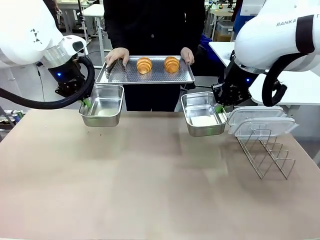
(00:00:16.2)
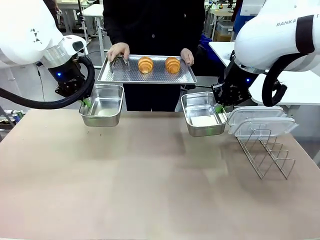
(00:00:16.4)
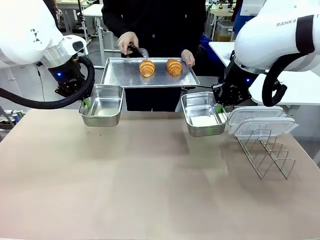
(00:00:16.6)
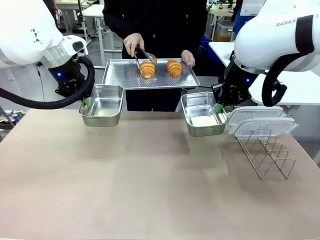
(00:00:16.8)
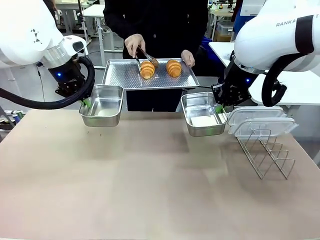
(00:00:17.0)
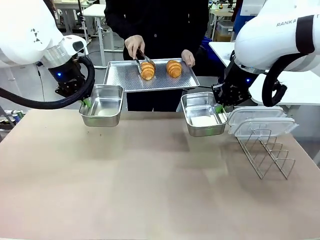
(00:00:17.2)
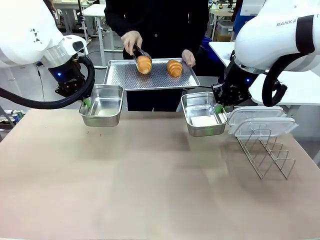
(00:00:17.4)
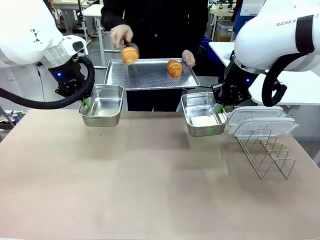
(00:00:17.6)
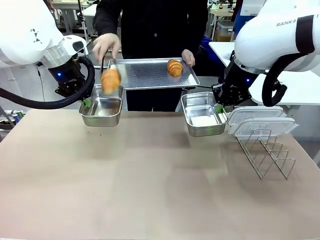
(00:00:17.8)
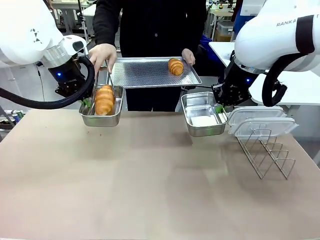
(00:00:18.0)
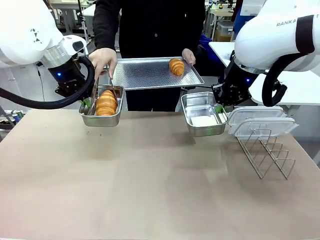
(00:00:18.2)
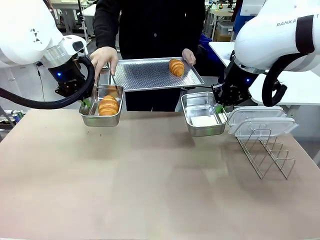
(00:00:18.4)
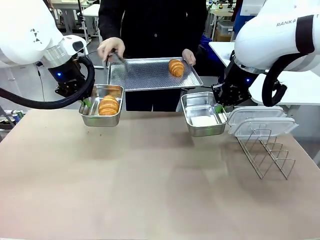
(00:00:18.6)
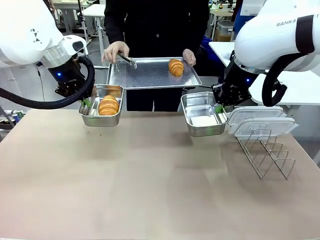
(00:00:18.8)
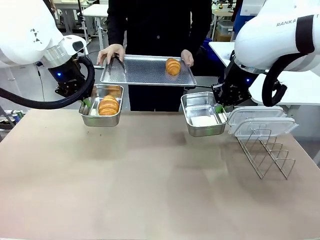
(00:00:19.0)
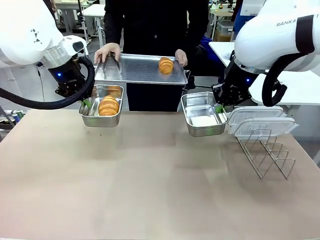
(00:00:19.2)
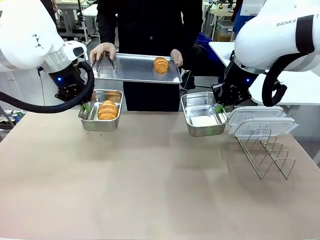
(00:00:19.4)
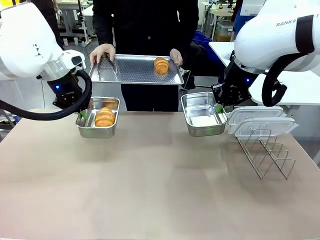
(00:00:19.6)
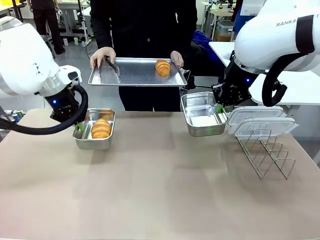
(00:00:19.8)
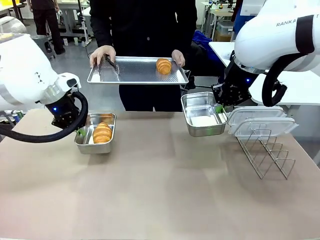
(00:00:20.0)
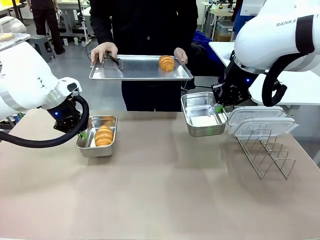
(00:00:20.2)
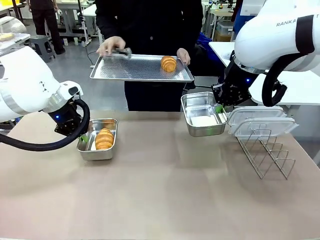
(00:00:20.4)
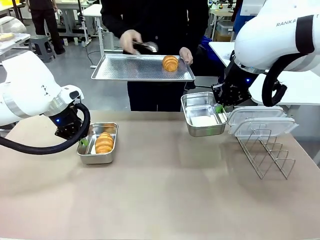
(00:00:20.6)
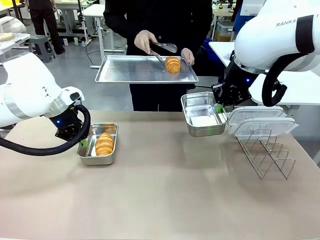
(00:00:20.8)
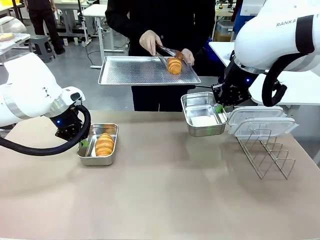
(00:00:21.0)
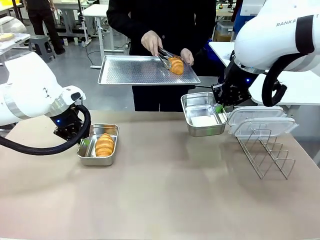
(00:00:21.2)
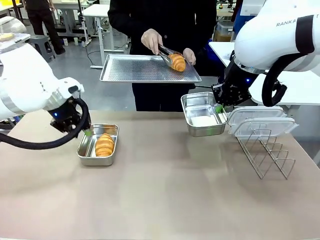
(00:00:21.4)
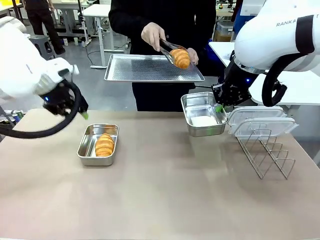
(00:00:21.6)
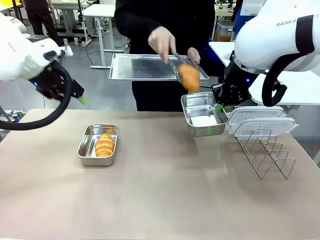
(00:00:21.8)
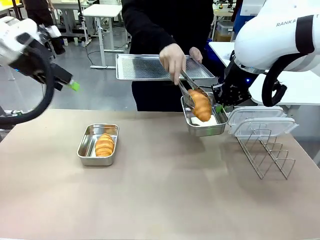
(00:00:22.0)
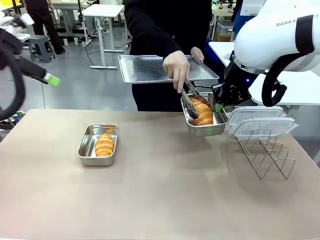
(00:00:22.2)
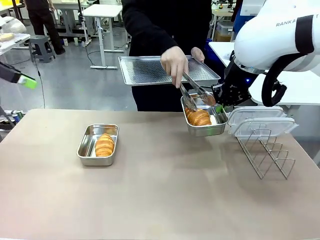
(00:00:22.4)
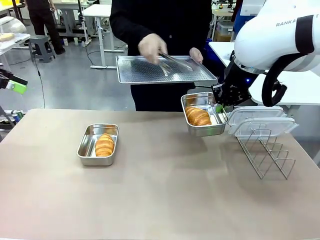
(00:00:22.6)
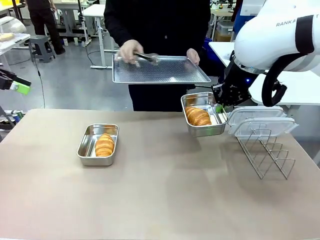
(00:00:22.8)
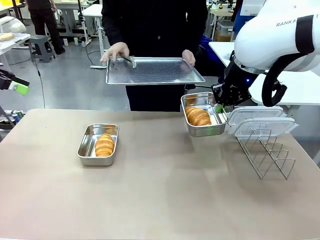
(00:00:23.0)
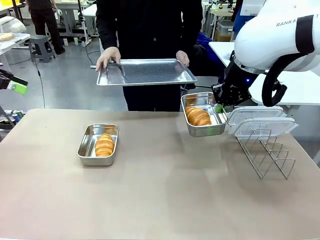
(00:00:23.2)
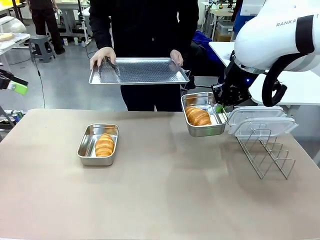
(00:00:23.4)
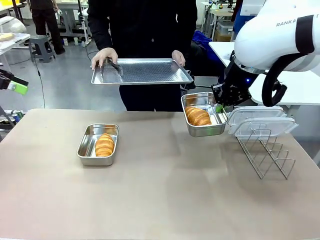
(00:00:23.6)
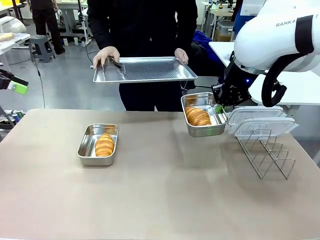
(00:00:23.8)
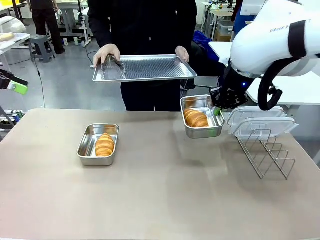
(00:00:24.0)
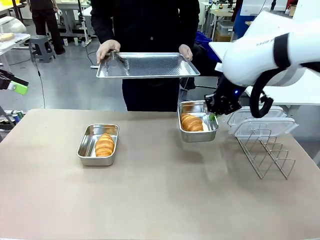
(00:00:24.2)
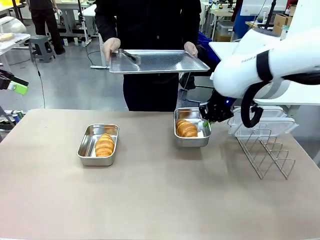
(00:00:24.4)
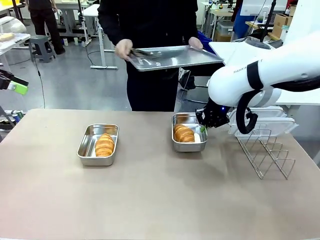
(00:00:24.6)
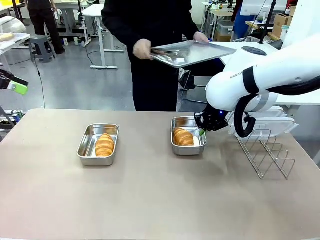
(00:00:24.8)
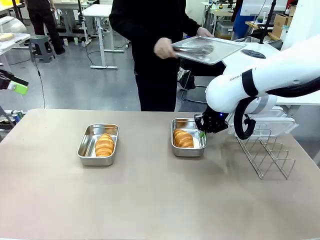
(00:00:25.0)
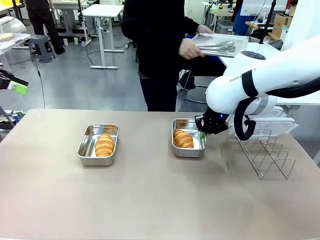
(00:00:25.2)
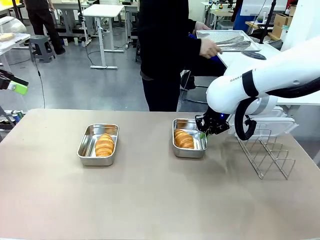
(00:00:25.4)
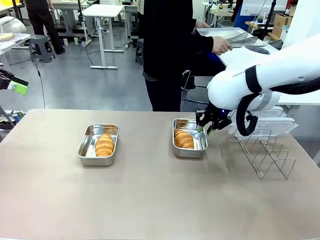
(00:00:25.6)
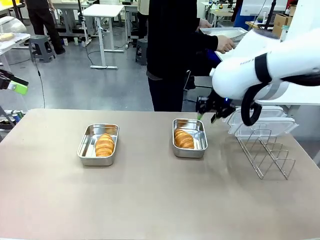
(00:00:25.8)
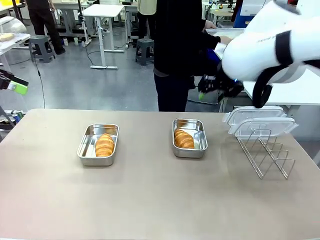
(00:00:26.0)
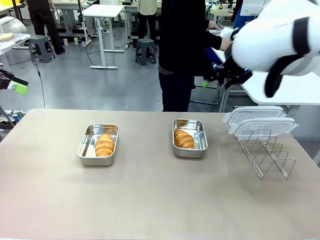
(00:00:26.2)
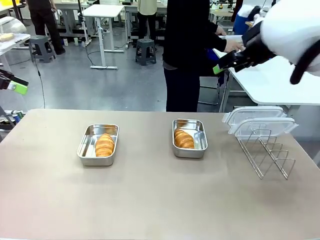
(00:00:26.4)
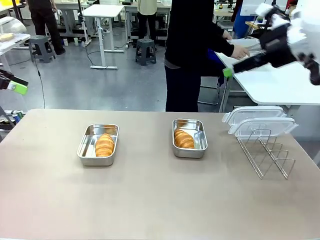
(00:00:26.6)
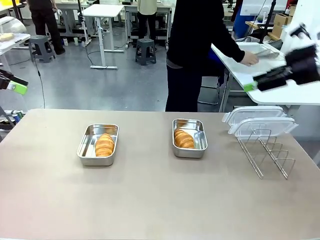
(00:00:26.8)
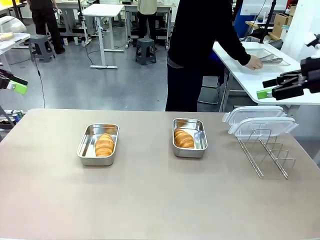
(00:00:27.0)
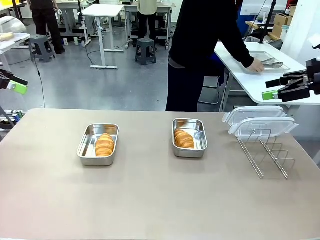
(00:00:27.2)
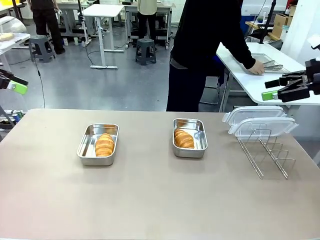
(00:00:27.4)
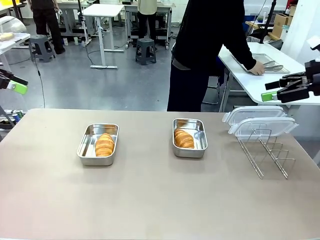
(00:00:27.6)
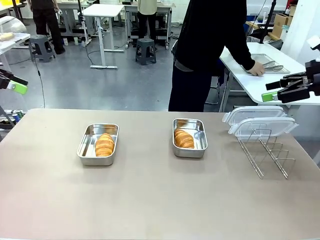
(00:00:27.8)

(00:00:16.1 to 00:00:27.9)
Task: Place the bread in airtight containers.
Robot: Once an object is inside an Airtight Container , place the container in the center of the table.
Person: Use the Stainless steel tongs to place one object from Baking Sheet into one Airtight Container. Place Baking Sheet on the Human's Table.

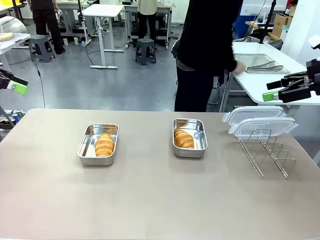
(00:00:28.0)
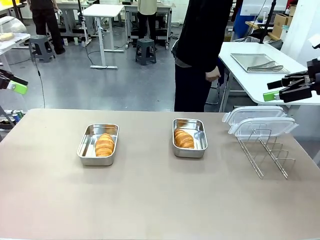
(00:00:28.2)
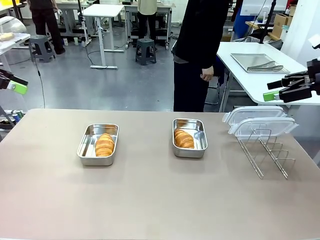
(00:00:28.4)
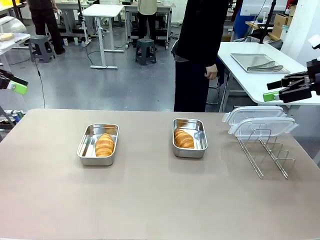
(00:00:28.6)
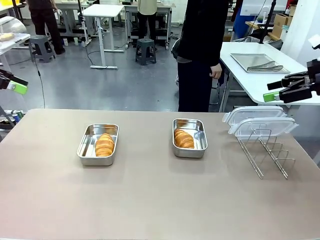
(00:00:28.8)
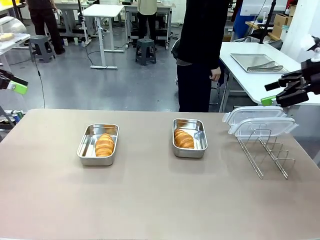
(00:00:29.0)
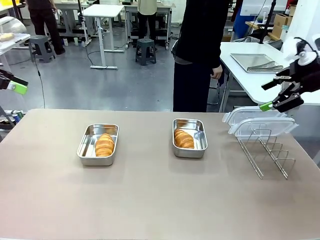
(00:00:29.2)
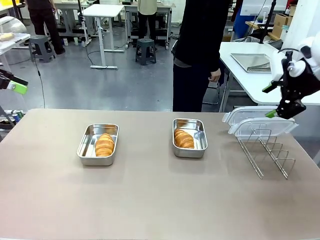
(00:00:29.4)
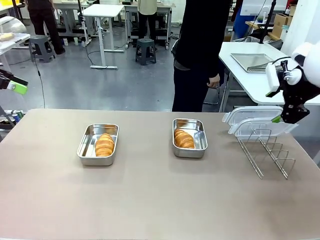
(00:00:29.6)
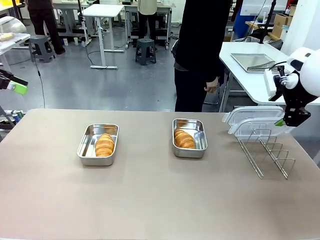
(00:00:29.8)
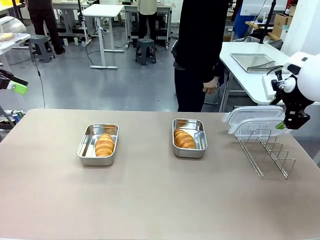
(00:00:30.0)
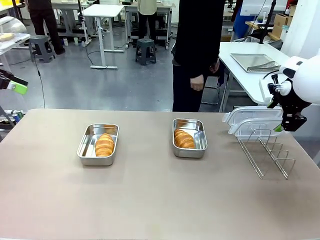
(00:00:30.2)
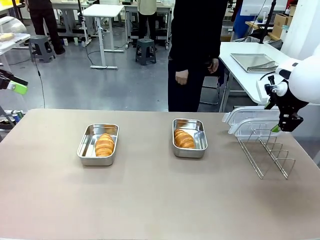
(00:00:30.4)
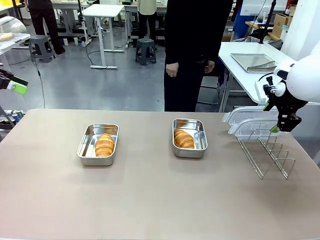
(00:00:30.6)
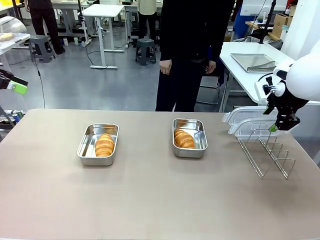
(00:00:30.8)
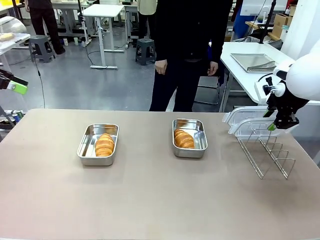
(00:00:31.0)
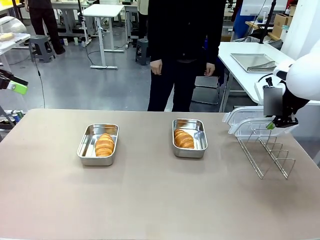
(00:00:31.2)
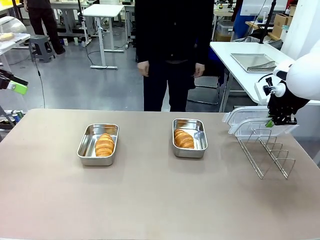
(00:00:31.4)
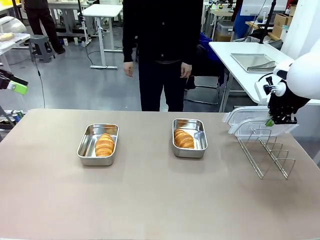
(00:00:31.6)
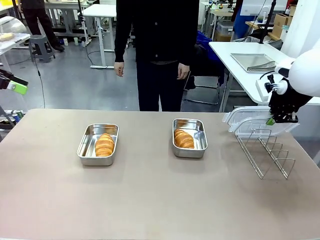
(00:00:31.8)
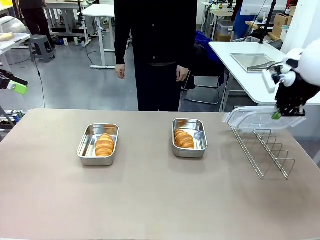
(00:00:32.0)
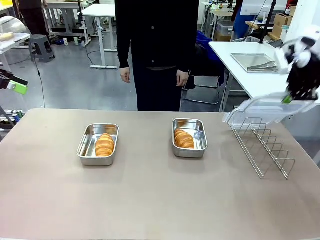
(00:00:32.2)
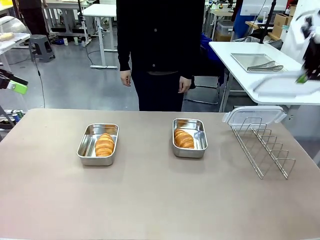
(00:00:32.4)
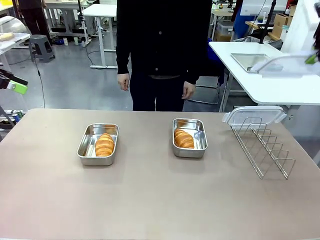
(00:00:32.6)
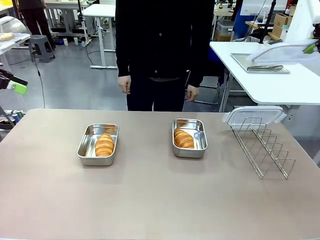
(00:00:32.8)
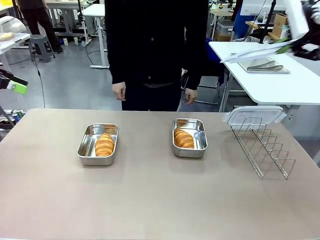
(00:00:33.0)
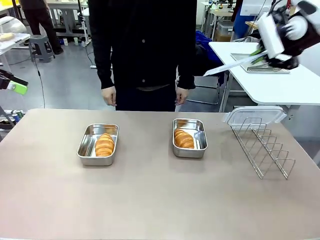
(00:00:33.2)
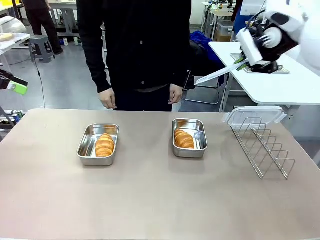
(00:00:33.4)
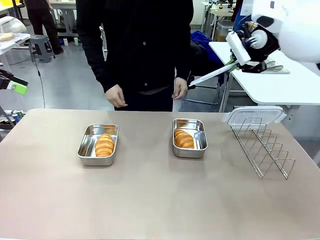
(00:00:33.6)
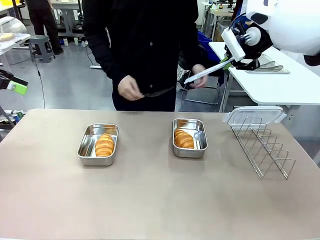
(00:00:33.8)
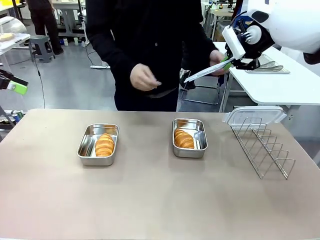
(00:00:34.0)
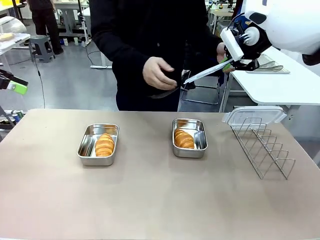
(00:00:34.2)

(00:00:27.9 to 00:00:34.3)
Robot: Pick up one Airtight Container lid and hand it to the human.
Person: Grip Airtight Container lid that robot is handing.

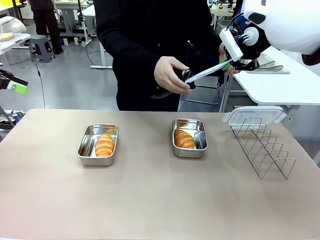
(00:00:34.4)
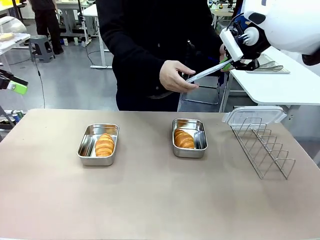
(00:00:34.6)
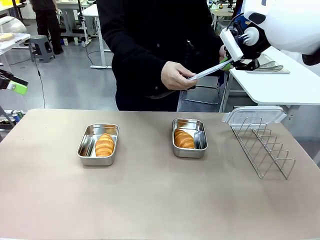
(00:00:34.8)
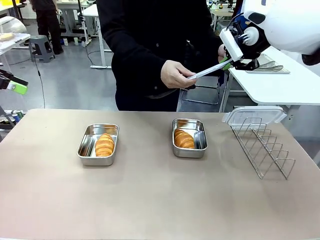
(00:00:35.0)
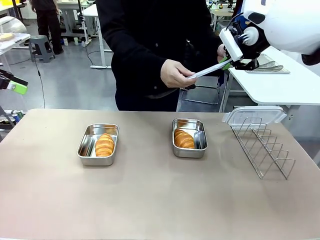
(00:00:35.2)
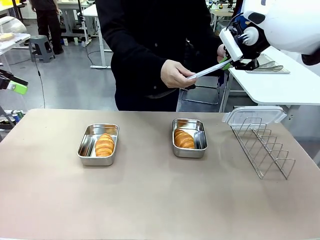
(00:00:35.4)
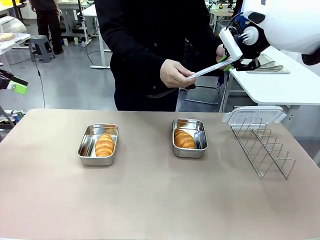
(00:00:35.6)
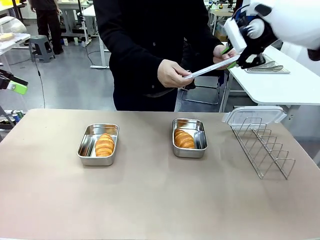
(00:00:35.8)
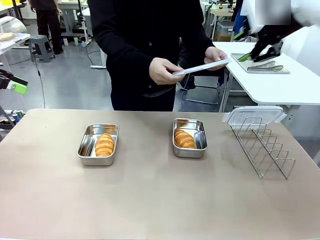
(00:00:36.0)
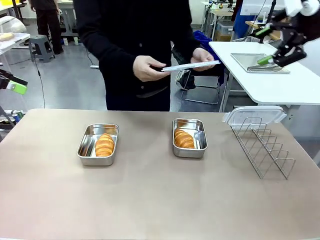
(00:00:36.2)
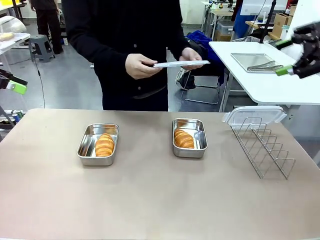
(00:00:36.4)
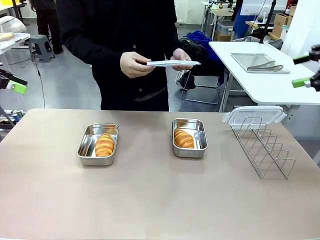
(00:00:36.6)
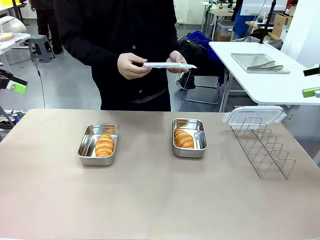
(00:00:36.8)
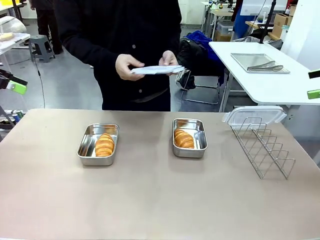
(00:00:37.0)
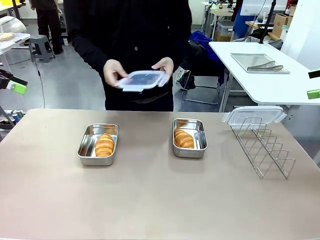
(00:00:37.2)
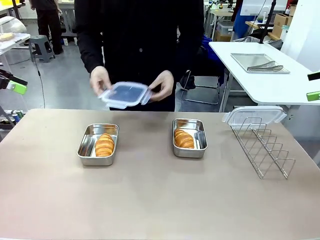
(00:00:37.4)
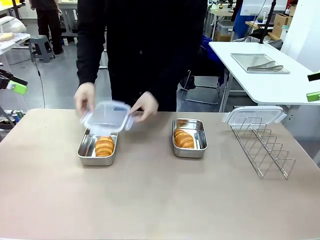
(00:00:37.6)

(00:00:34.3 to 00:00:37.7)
Robot: Release when the human grabs the Airtight Container lid.
